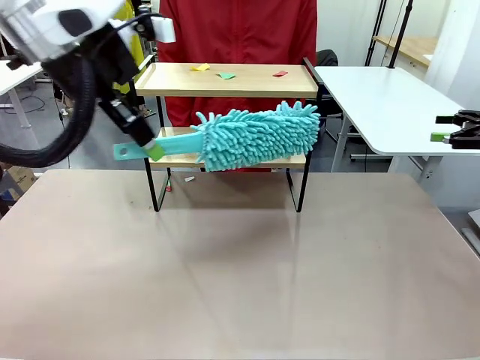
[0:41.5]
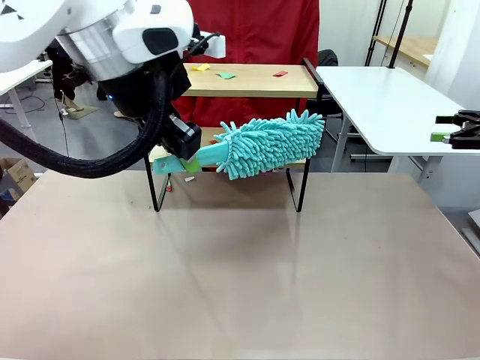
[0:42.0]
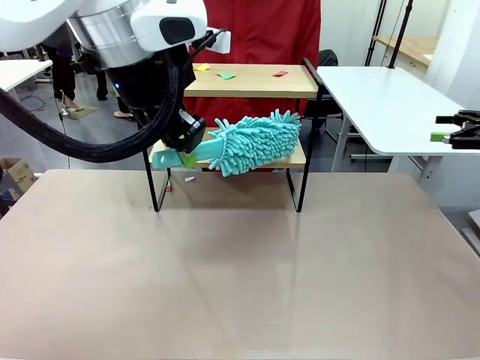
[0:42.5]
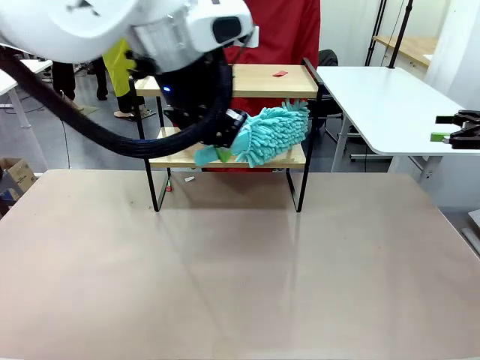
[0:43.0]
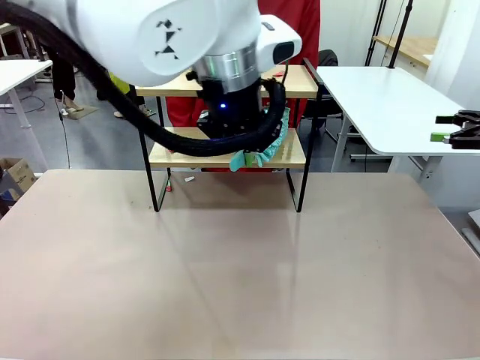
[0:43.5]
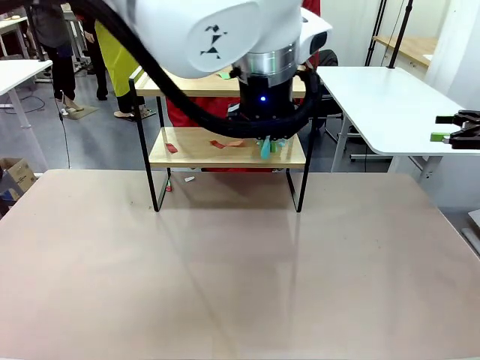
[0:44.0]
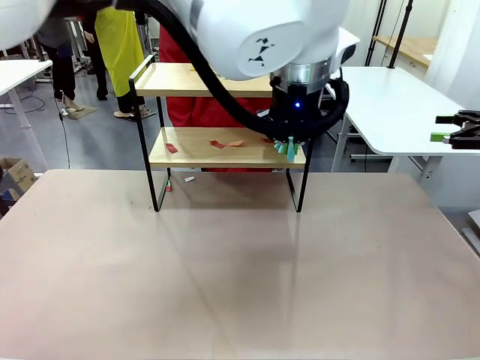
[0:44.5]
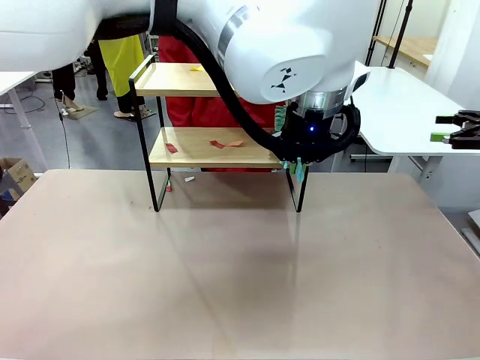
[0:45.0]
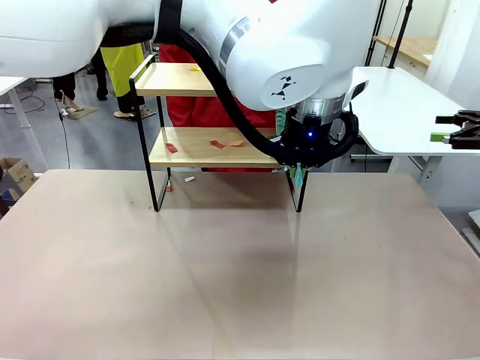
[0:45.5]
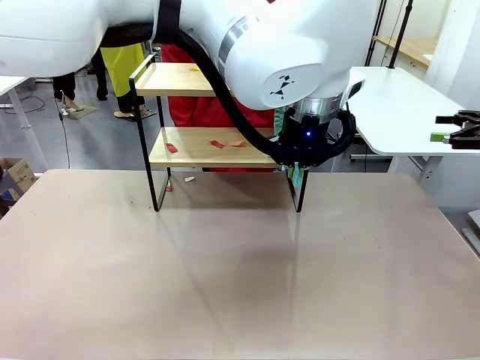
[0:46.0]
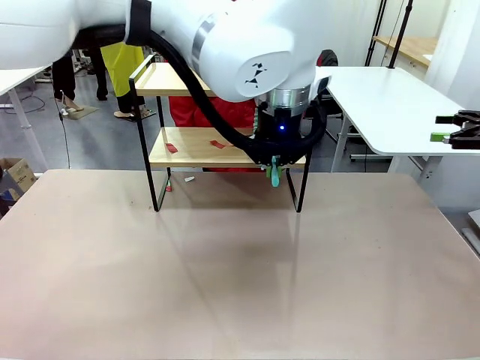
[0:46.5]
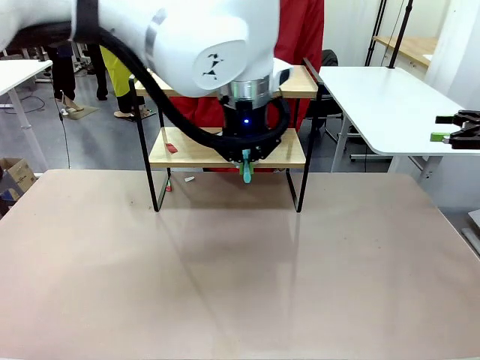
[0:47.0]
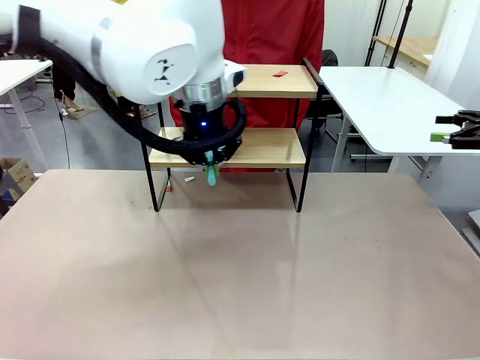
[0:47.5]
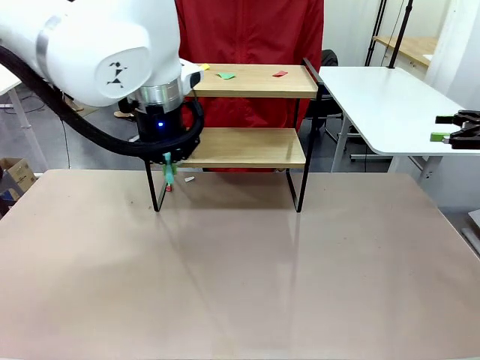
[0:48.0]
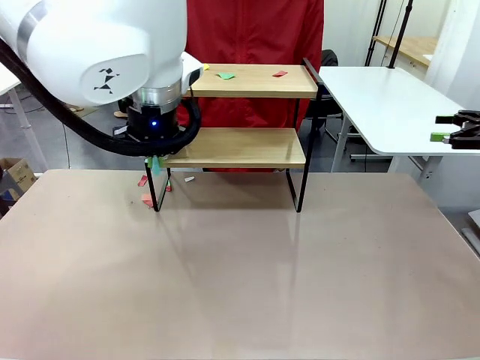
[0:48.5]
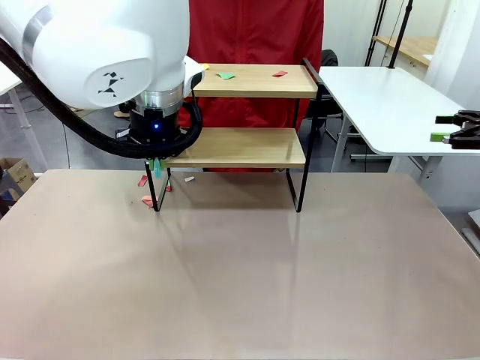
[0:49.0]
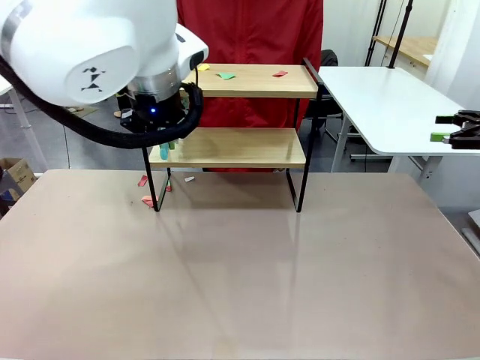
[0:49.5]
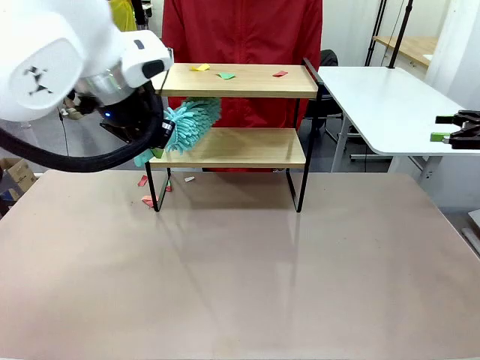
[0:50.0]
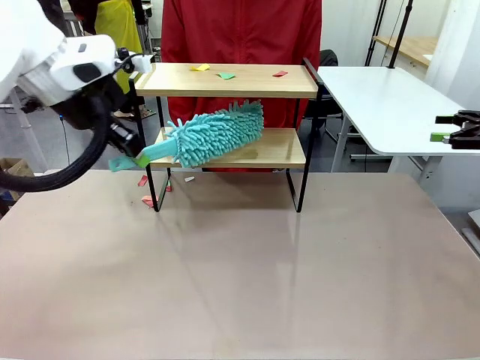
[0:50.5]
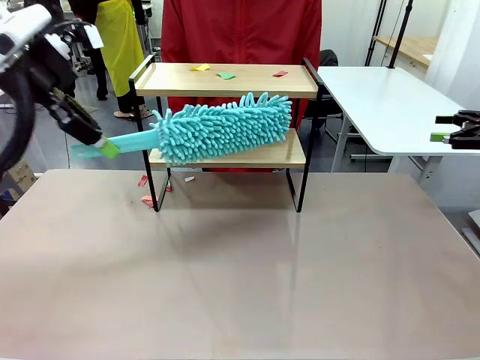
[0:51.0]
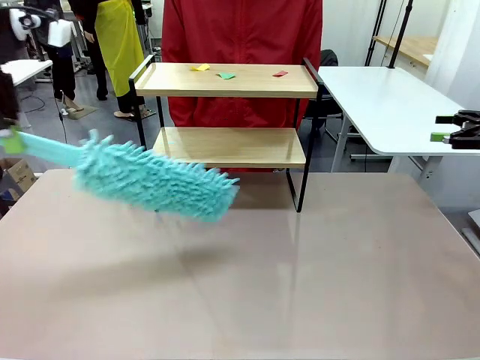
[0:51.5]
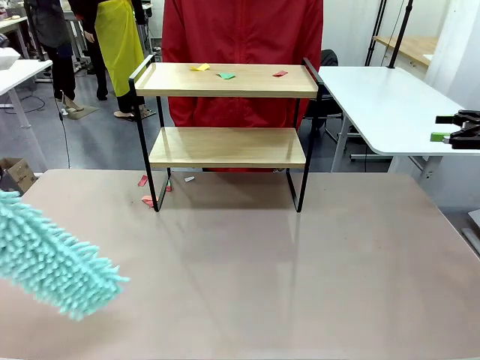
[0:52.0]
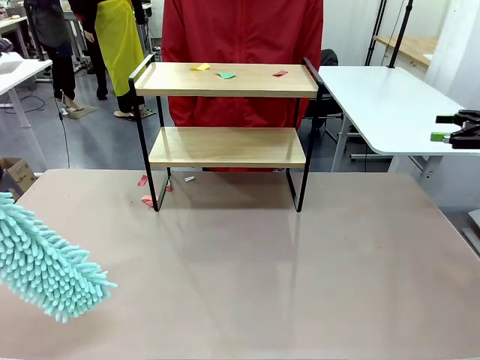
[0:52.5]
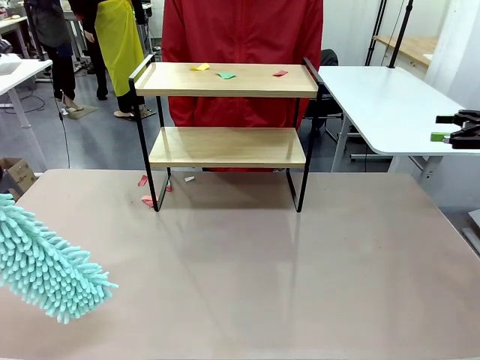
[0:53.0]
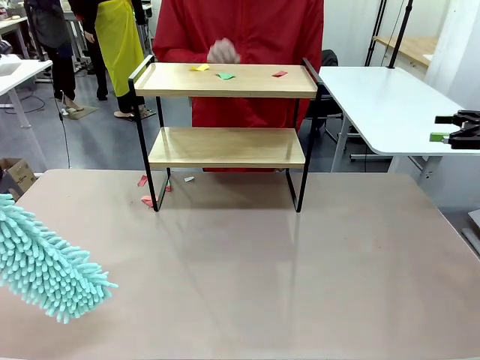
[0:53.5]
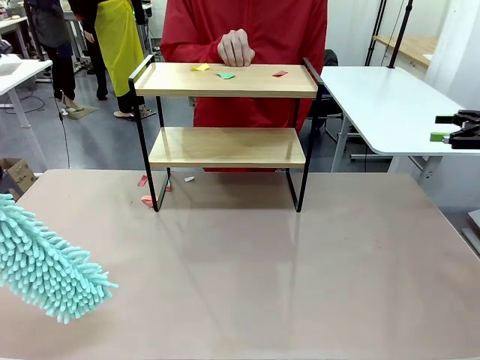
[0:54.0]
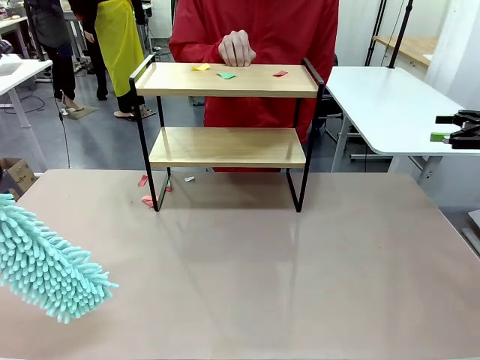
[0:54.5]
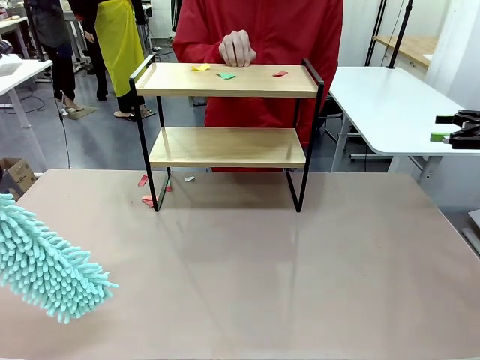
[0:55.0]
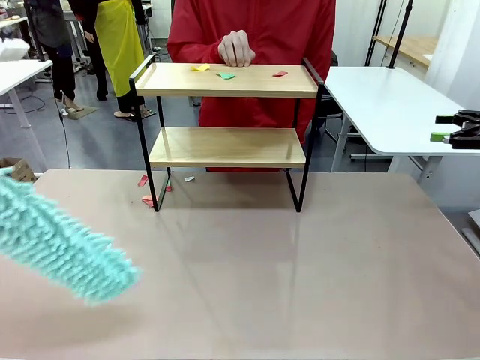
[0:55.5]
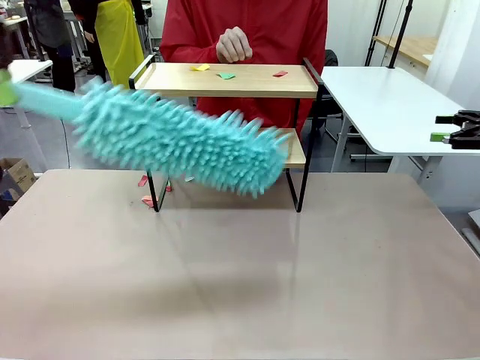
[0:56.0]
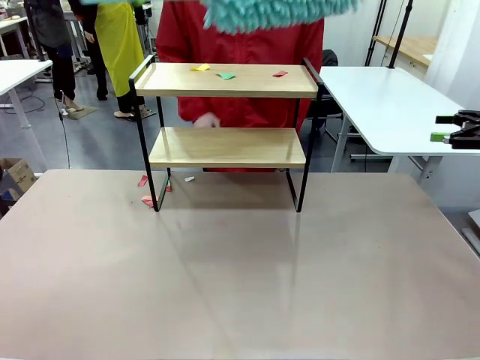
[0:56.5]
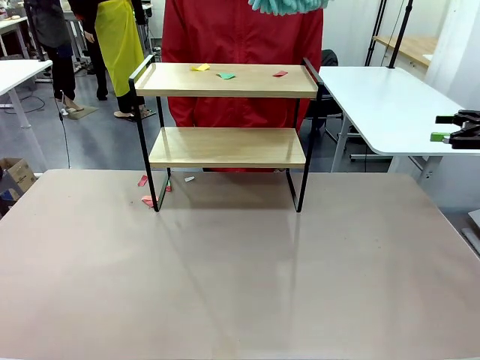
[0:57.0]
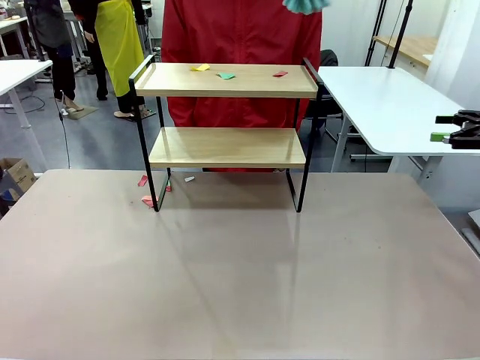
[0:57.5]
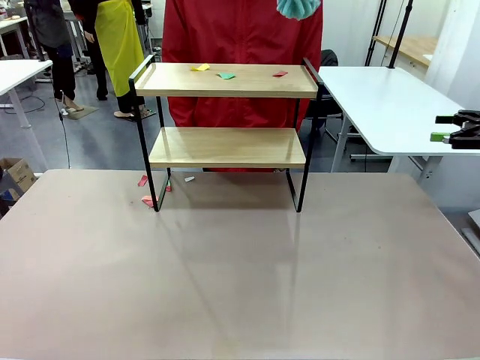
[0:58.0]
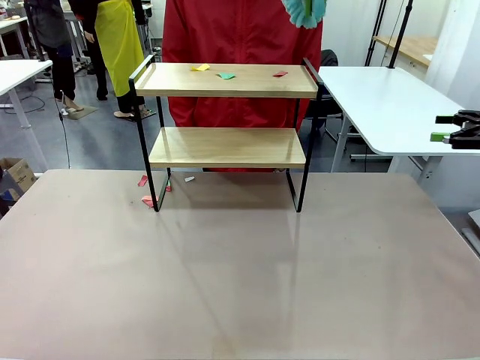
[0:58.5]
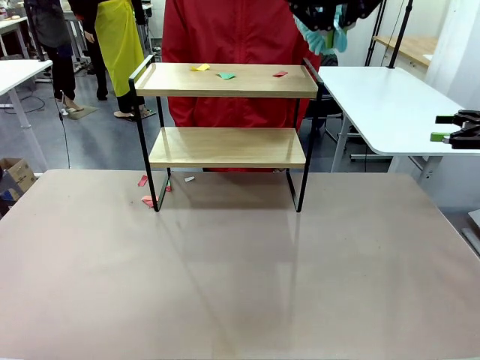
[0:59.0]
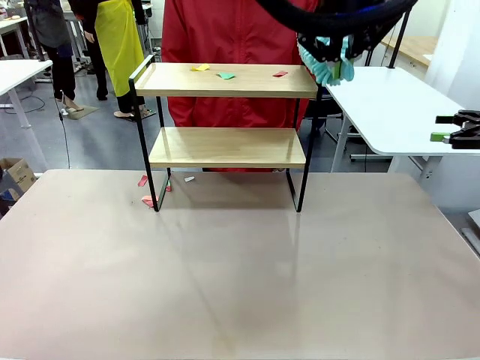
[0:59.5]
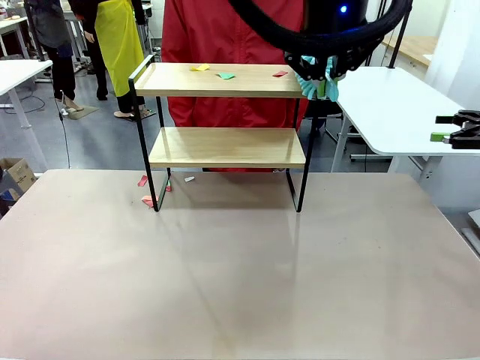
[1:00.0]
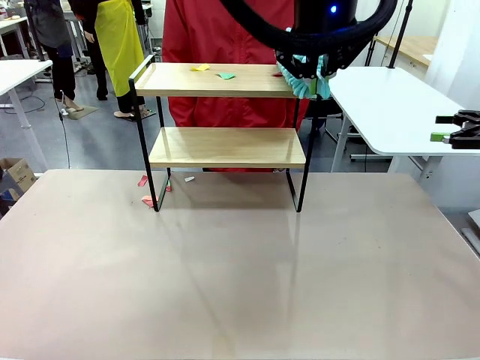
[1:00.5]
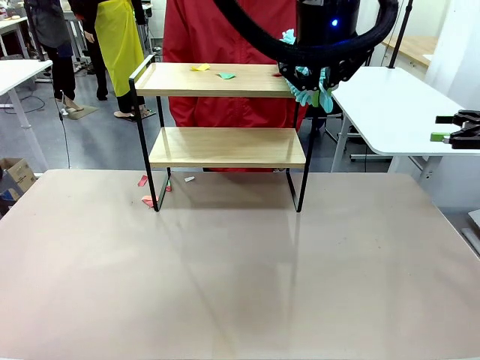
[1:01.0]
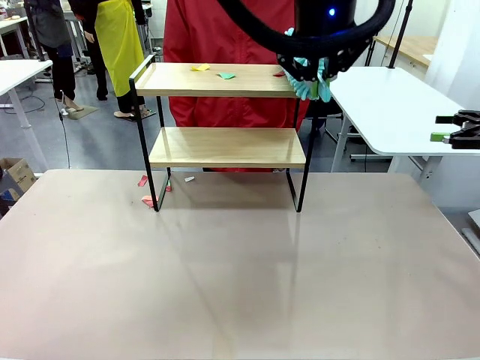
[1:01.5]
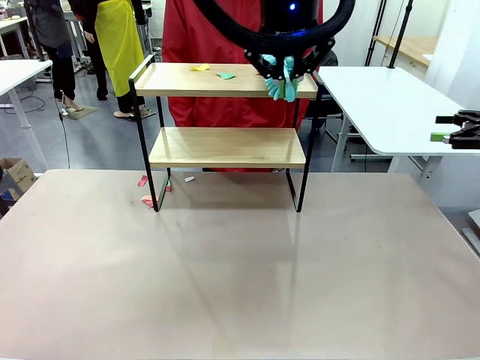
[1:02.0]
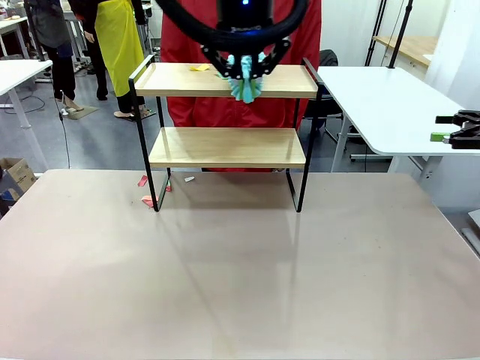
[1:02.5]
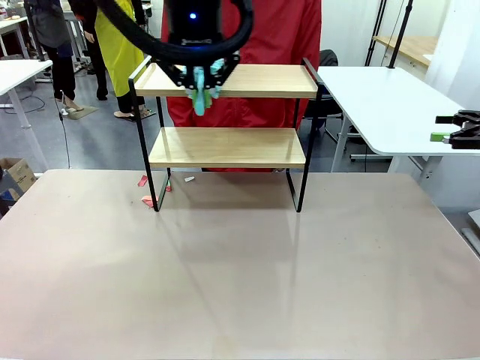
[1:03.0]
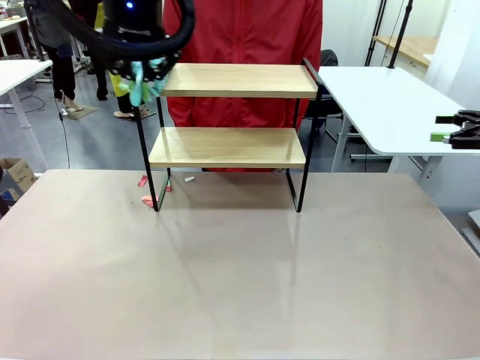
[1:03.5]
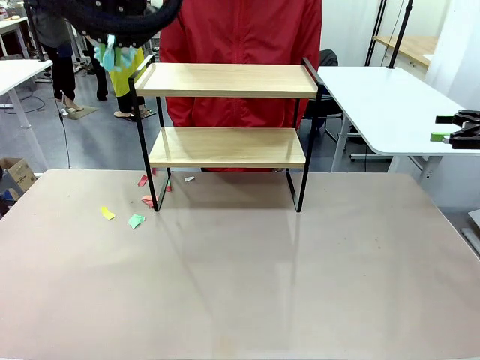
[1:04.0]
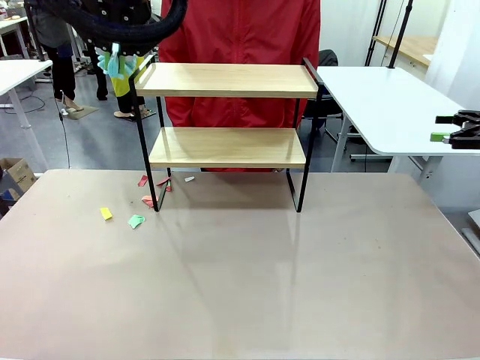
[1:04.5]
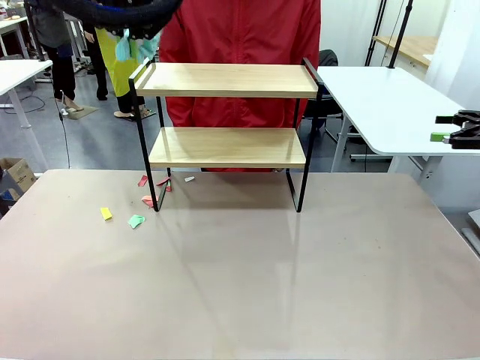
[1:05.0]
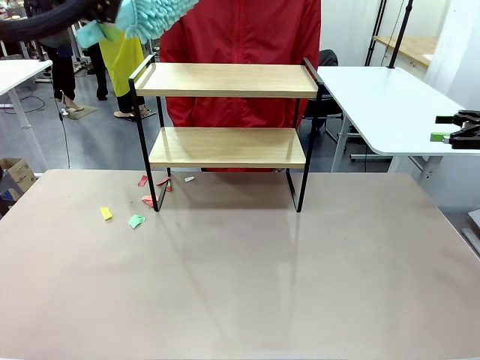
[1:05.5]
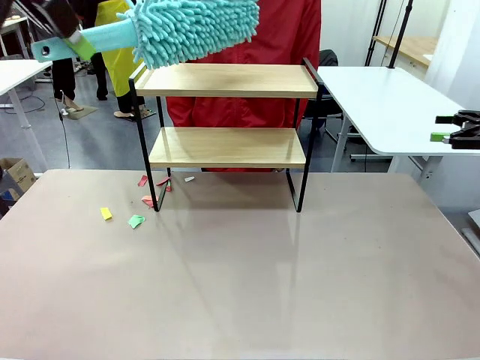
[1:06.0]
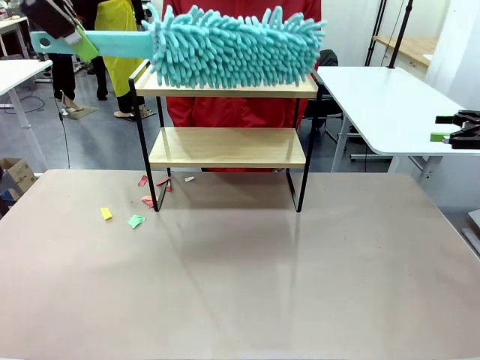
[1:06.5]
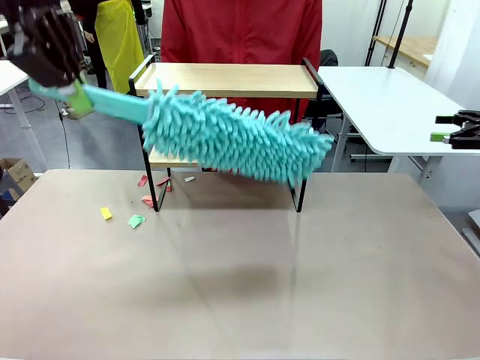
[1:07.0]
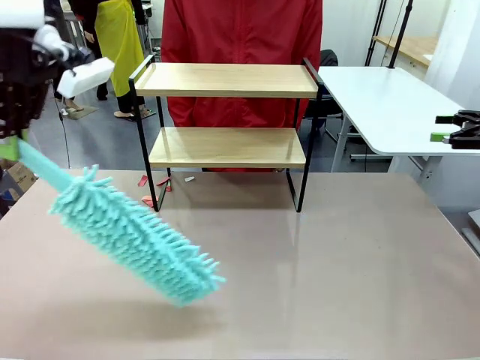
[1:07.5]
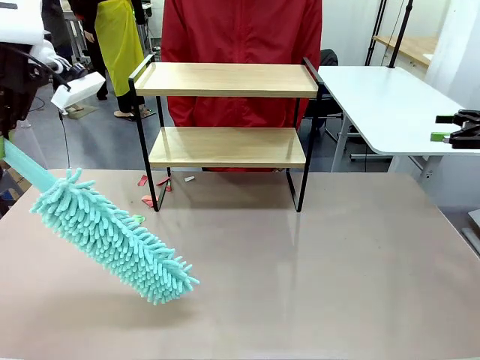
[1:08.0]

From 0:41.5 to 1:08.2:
Task: Clean the shelf.
Robot: Clean the specific section of the Shelf indicated by the human with the Duster.
Person: Point a remaining section of the Shelf.
